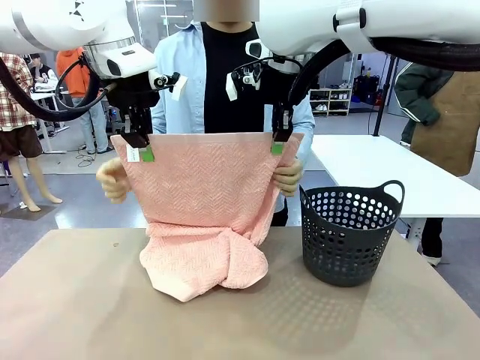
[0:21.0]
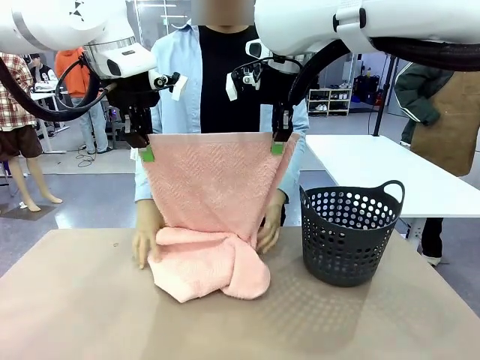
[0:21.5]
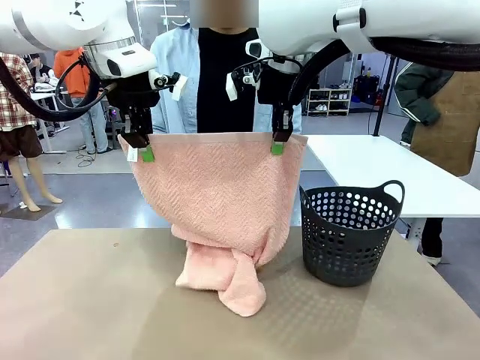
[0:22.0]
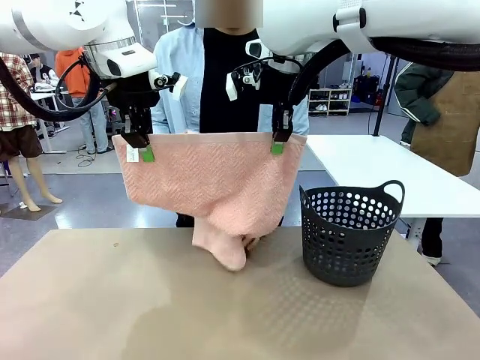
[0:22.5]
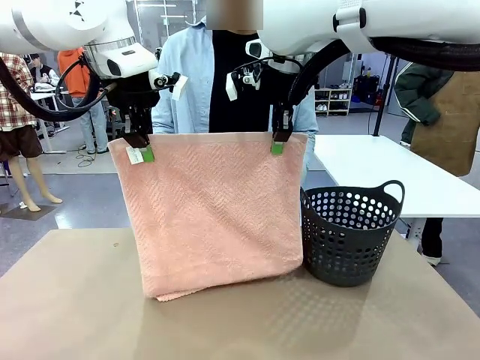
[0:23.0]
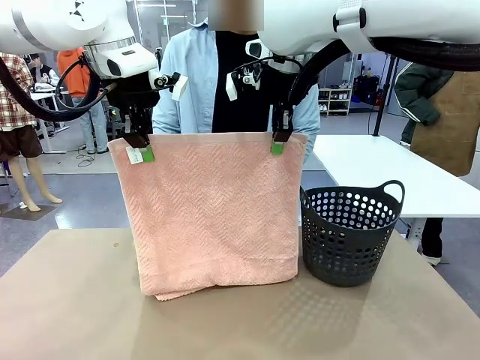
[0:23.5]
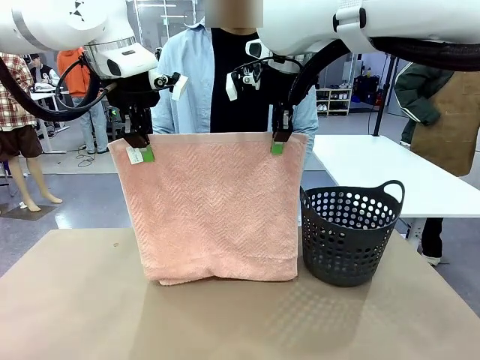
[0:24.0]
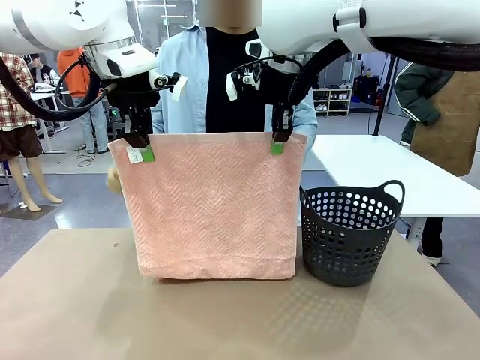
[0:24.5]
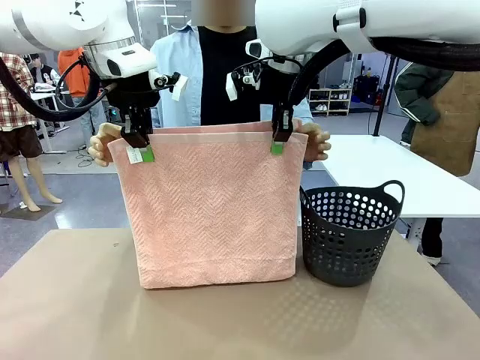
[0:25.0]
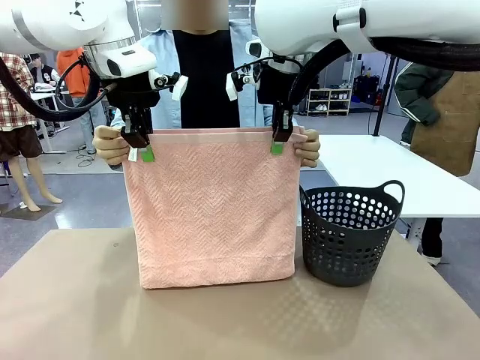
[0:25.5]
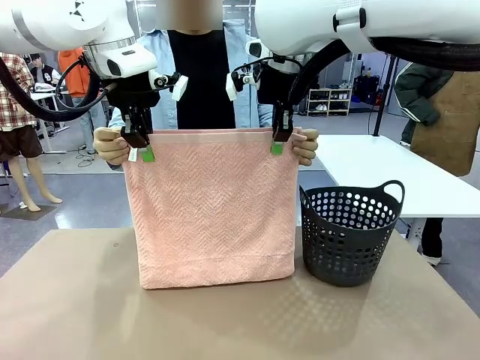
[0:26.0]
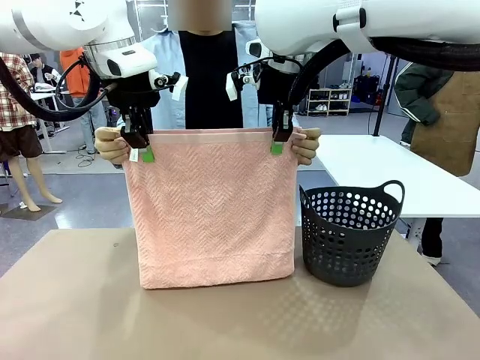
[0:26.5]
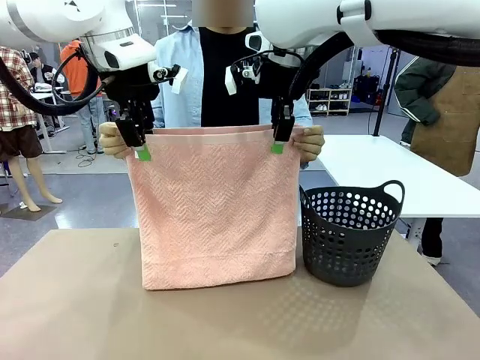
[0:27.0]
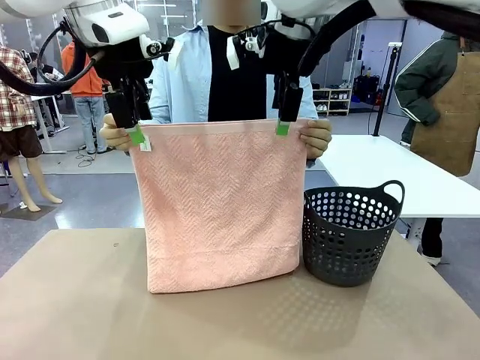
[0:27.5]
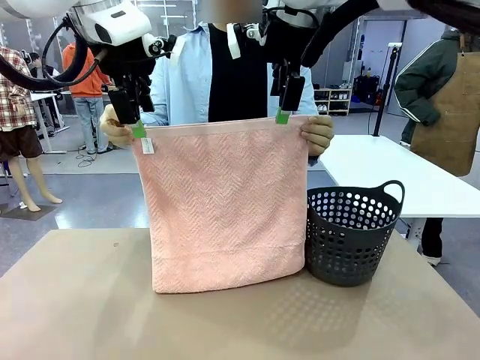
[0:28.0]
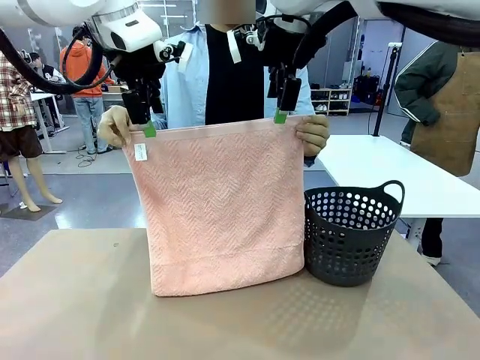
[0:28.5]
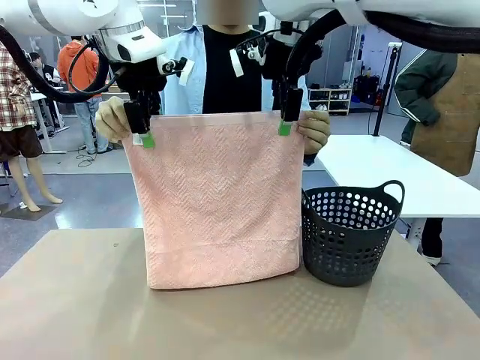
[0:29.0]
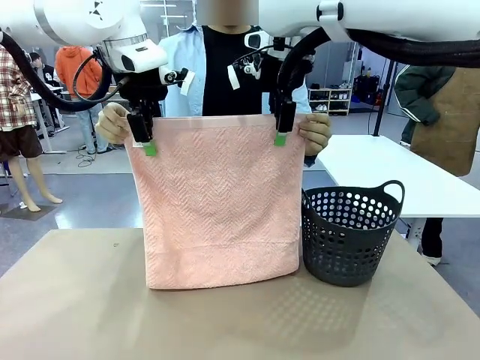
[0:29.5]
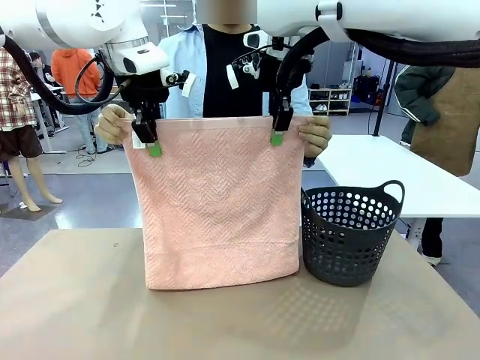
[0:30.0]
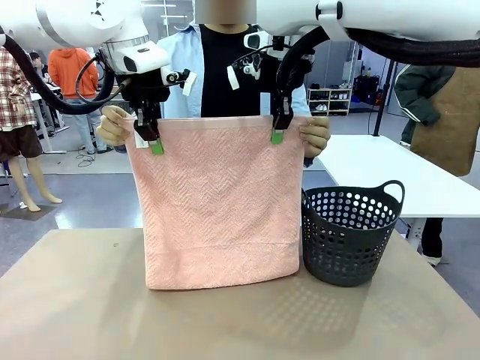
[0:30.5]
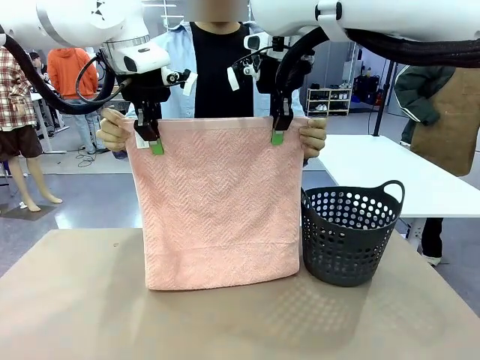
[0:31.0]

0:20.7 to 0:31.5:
Task: Fold the towel.
Robot: Release the end of the 100 cm Hotel Towel you were holding and grab the top end of the folded side.

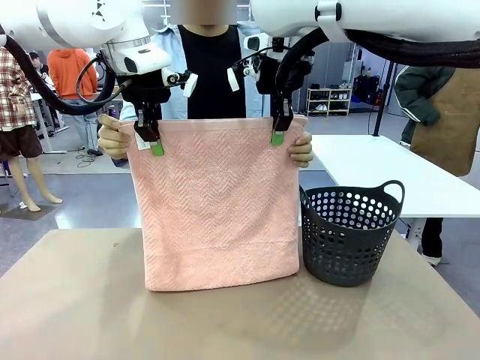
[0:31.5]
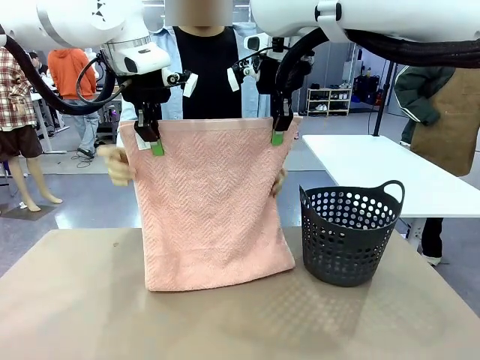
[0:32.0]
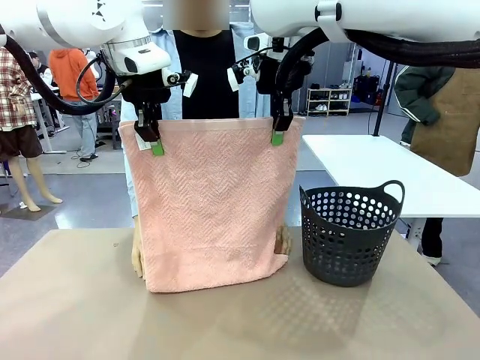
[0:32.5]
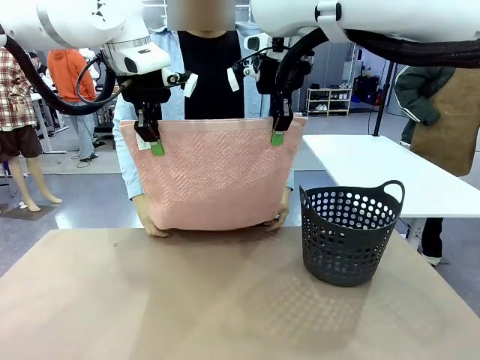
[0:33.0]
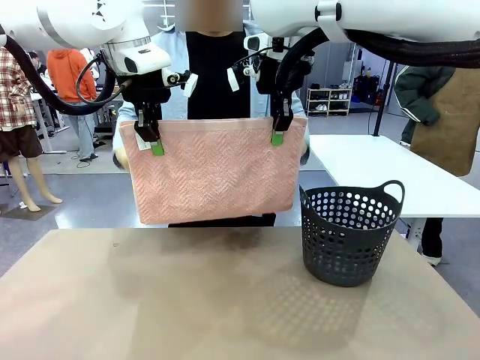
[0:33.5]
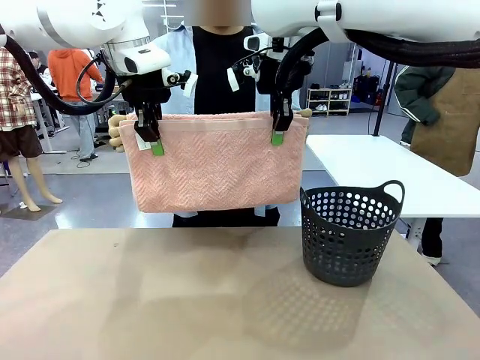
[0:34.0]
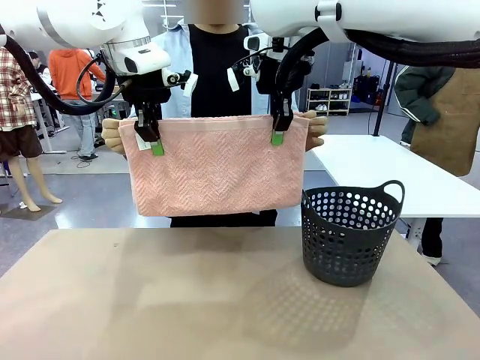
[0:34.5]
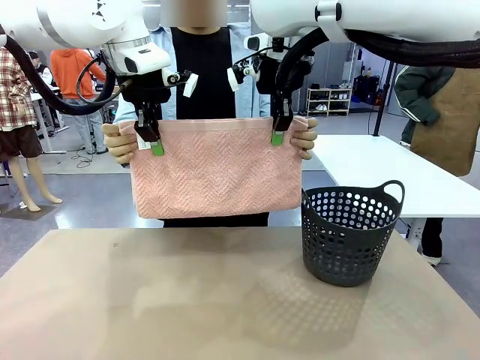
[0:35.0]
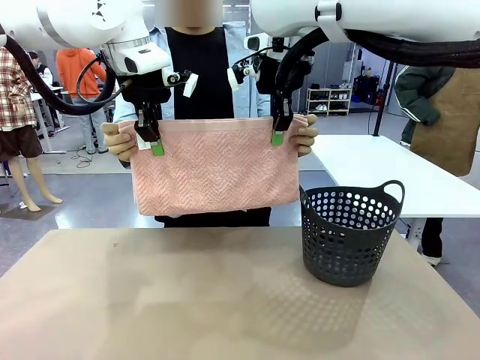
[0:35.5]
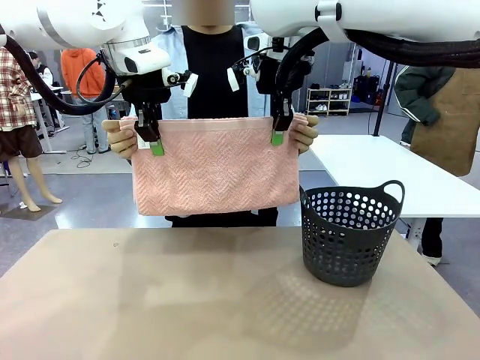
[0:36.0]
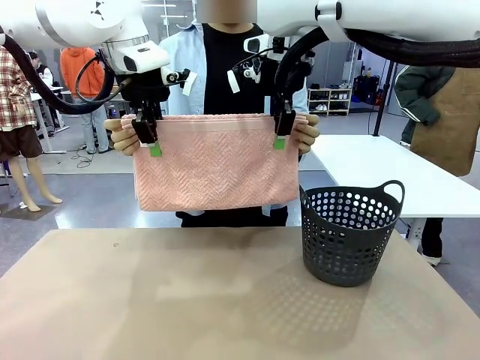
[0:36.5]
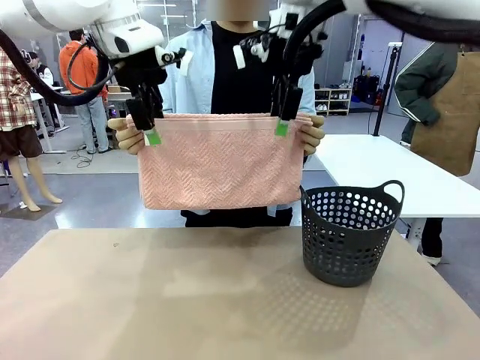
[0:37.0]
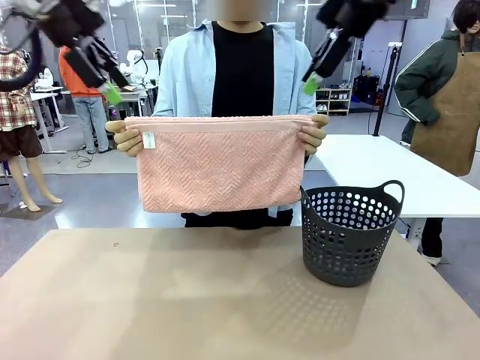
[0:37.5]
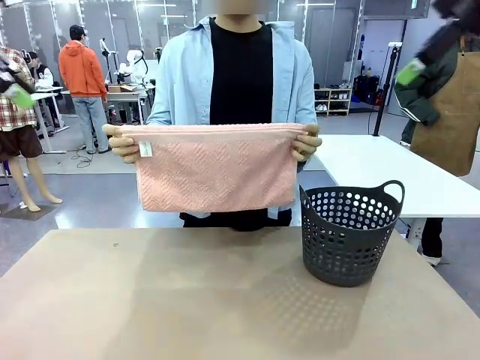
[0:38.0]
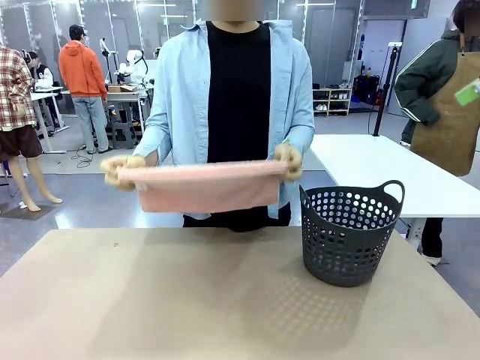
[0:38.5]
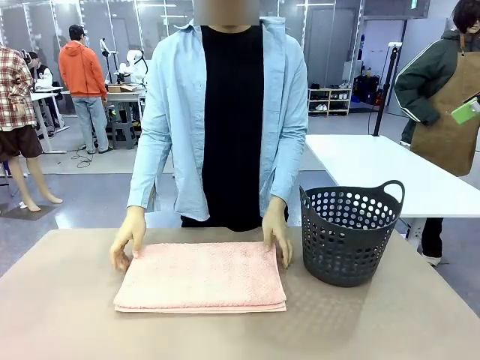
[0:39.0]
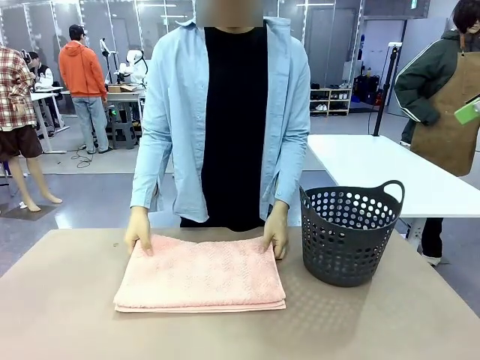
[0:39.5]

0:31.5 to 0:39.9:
Robot: Release the end of the 100 cm Hotel Towel you were holding.
Person: Place the towel at the center of the robot table and fold it in half.
